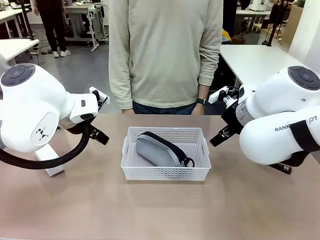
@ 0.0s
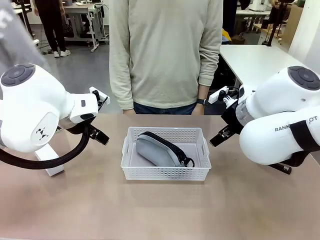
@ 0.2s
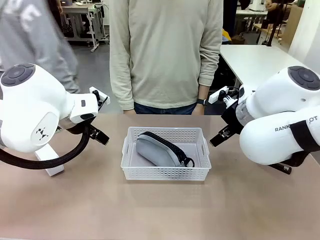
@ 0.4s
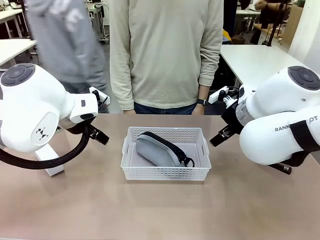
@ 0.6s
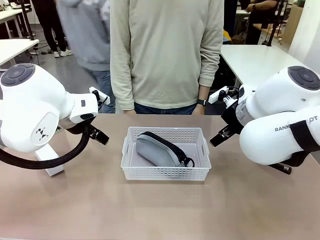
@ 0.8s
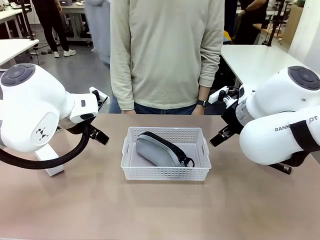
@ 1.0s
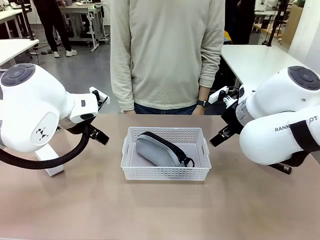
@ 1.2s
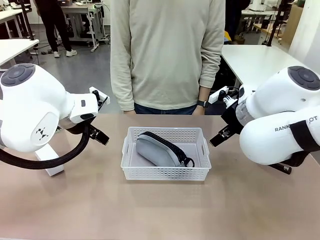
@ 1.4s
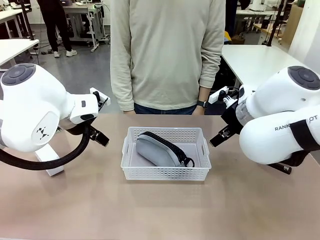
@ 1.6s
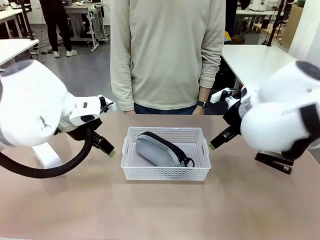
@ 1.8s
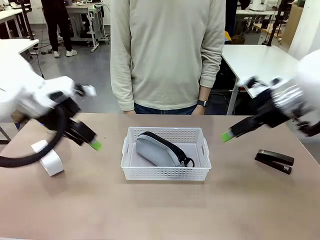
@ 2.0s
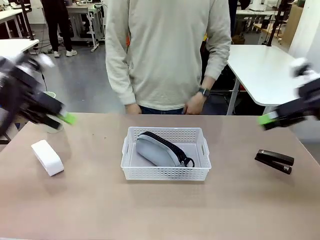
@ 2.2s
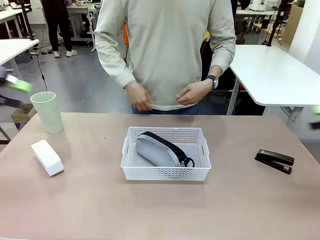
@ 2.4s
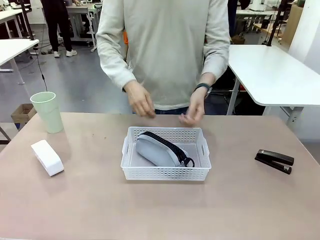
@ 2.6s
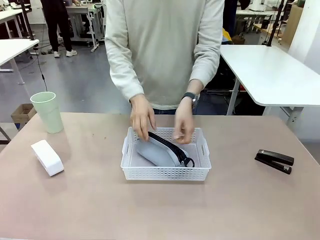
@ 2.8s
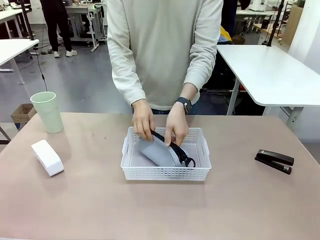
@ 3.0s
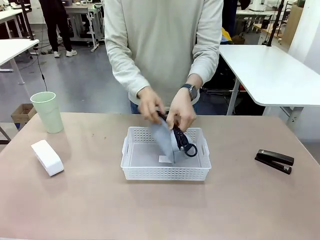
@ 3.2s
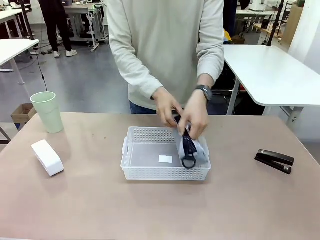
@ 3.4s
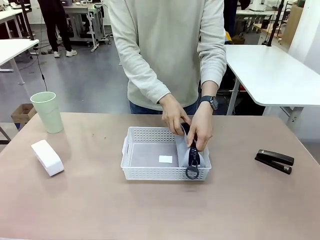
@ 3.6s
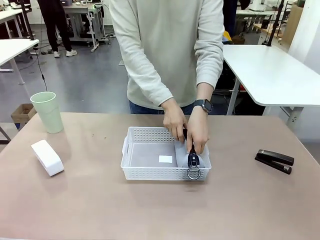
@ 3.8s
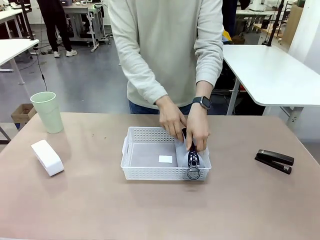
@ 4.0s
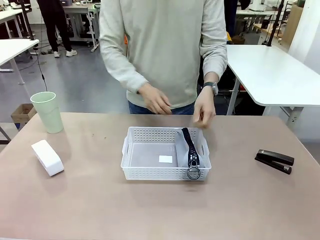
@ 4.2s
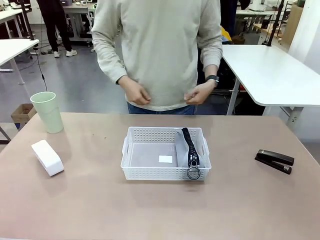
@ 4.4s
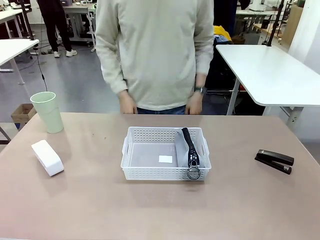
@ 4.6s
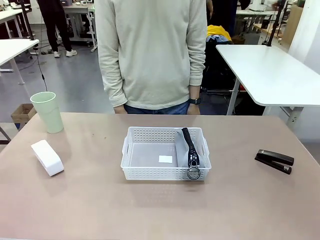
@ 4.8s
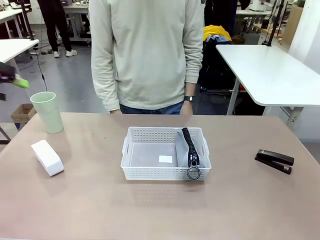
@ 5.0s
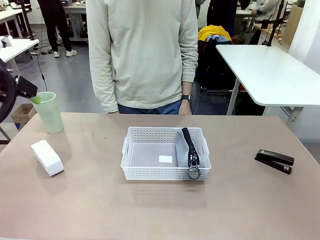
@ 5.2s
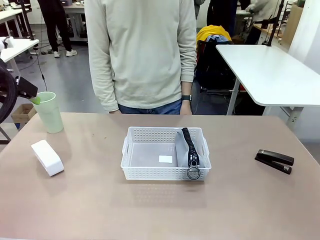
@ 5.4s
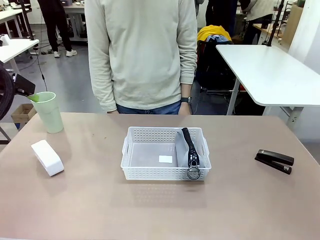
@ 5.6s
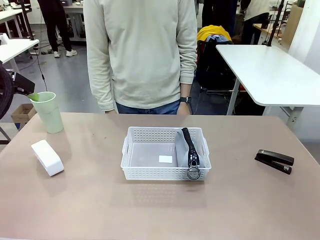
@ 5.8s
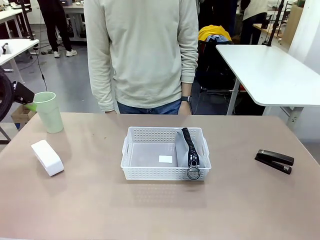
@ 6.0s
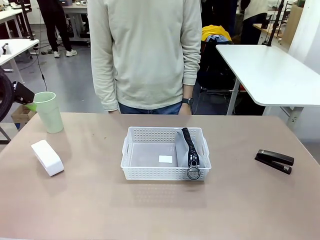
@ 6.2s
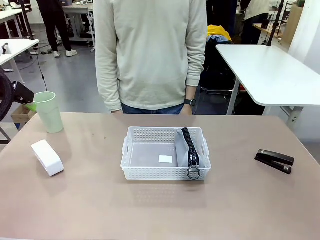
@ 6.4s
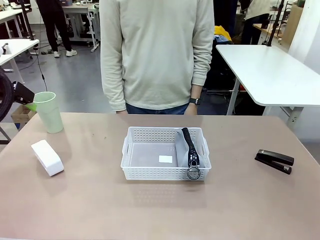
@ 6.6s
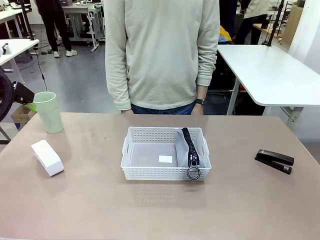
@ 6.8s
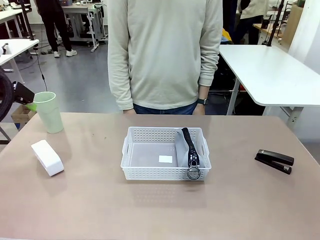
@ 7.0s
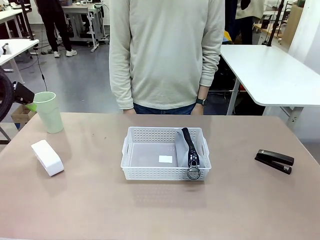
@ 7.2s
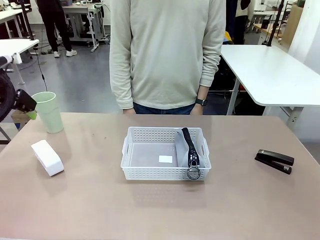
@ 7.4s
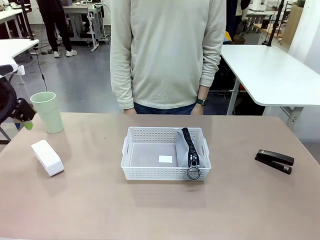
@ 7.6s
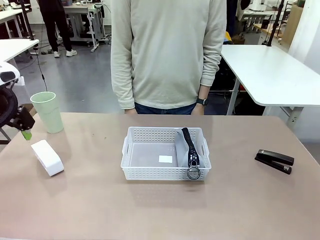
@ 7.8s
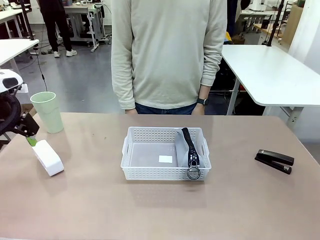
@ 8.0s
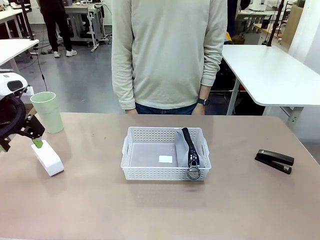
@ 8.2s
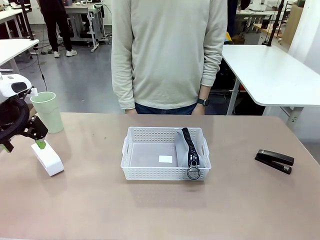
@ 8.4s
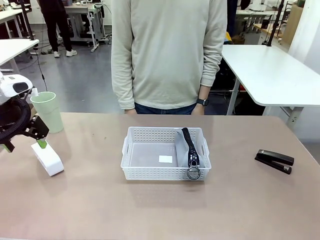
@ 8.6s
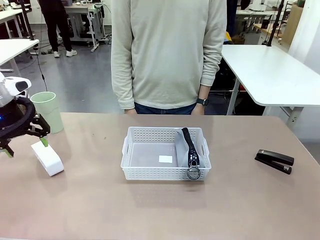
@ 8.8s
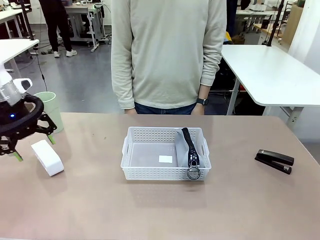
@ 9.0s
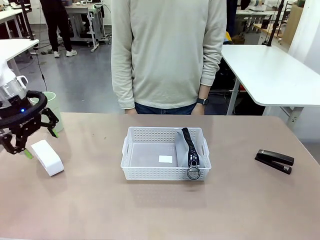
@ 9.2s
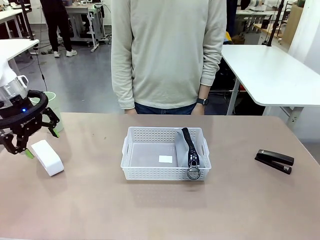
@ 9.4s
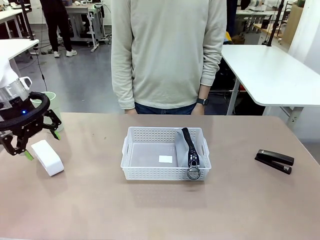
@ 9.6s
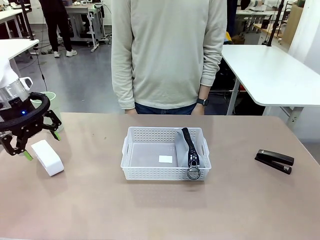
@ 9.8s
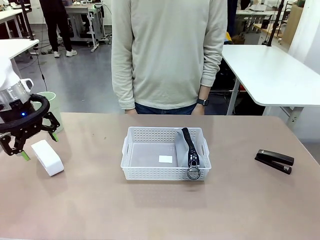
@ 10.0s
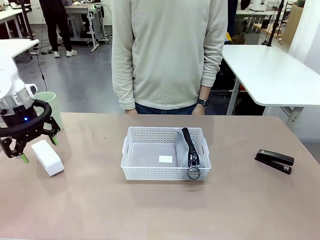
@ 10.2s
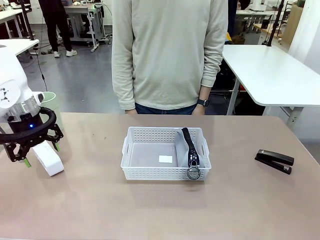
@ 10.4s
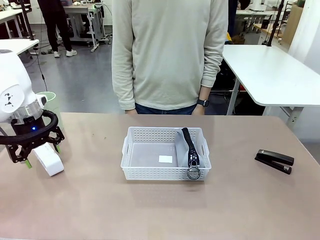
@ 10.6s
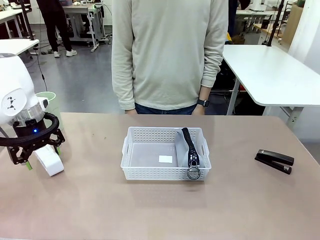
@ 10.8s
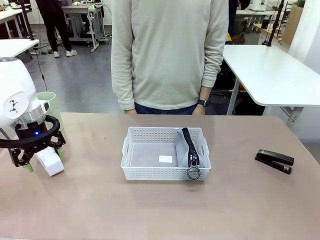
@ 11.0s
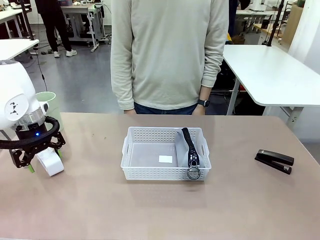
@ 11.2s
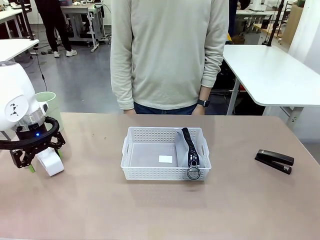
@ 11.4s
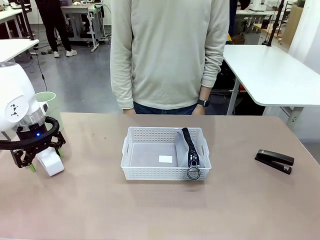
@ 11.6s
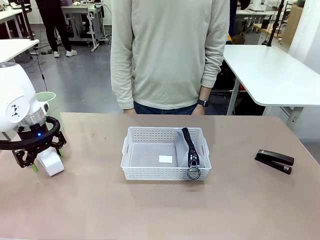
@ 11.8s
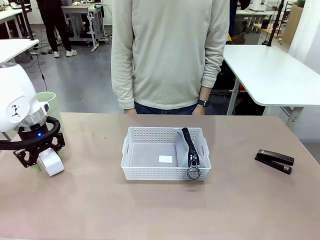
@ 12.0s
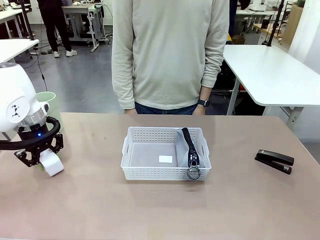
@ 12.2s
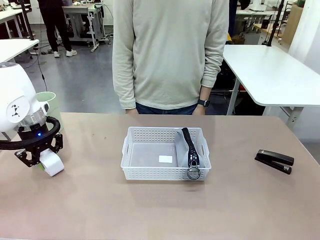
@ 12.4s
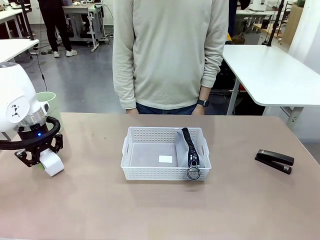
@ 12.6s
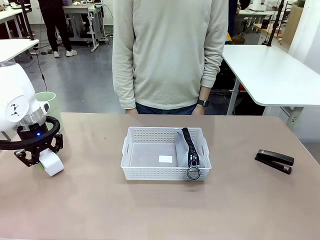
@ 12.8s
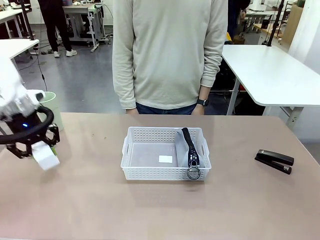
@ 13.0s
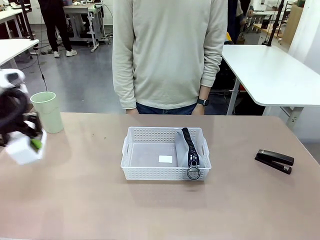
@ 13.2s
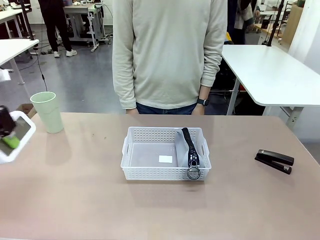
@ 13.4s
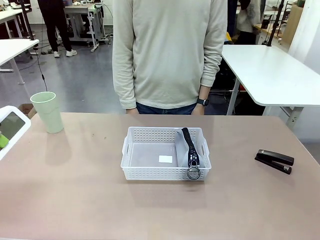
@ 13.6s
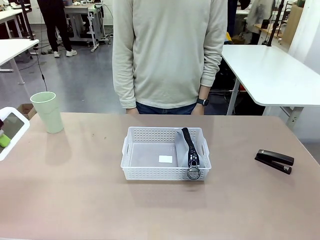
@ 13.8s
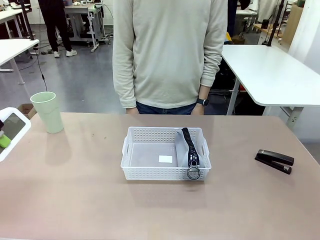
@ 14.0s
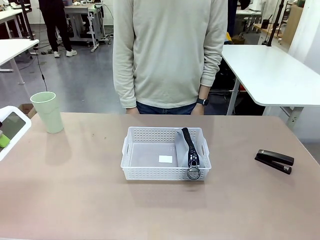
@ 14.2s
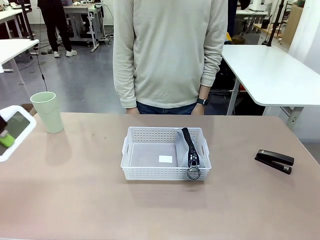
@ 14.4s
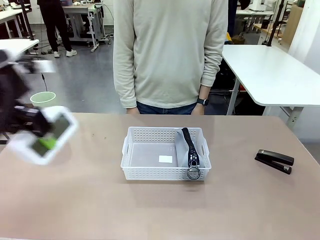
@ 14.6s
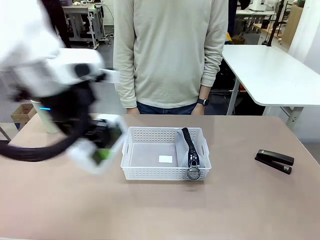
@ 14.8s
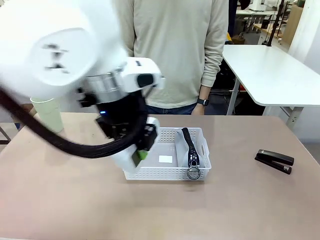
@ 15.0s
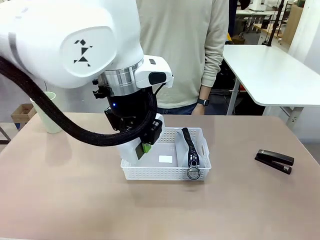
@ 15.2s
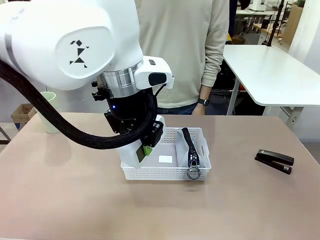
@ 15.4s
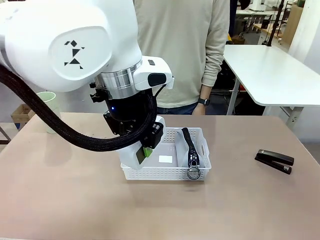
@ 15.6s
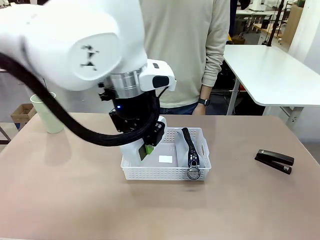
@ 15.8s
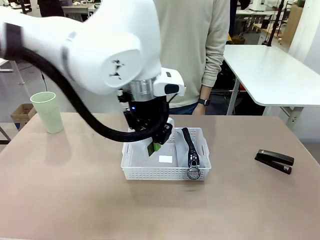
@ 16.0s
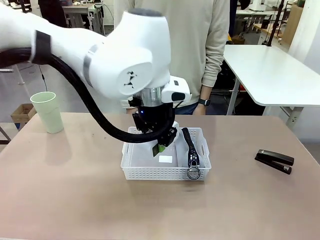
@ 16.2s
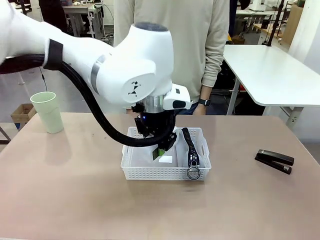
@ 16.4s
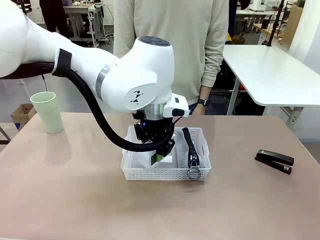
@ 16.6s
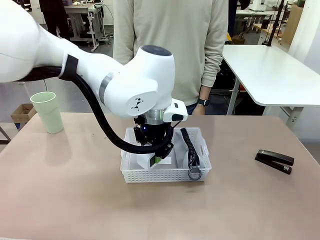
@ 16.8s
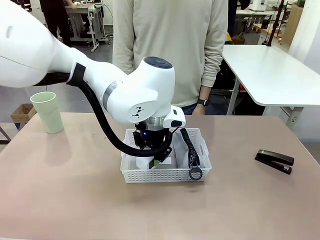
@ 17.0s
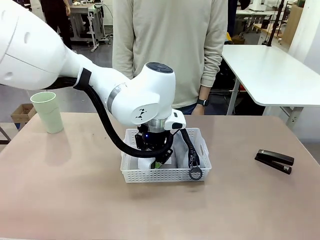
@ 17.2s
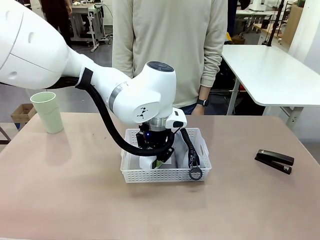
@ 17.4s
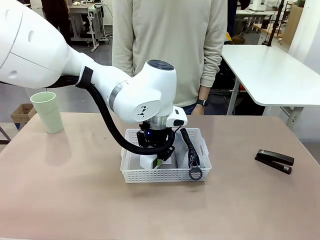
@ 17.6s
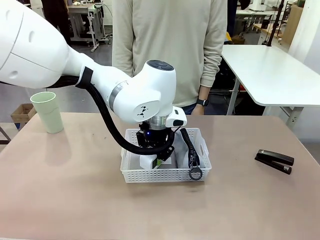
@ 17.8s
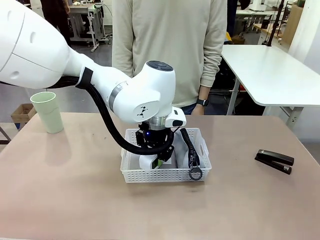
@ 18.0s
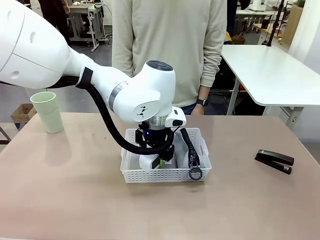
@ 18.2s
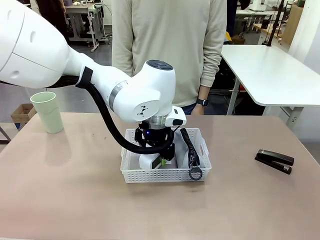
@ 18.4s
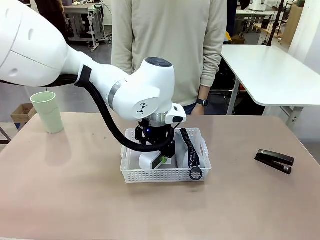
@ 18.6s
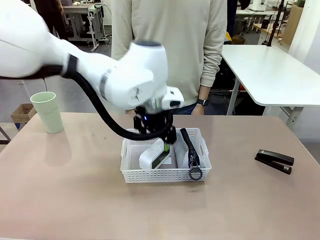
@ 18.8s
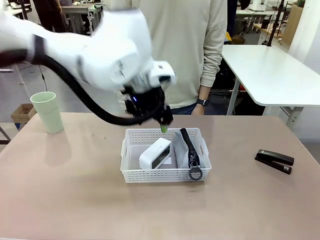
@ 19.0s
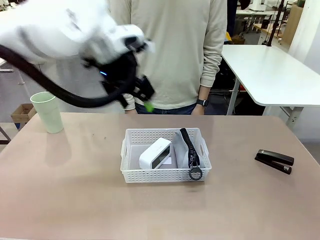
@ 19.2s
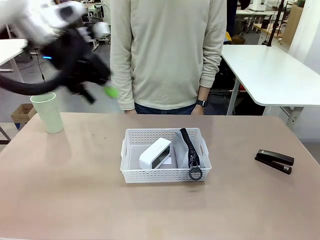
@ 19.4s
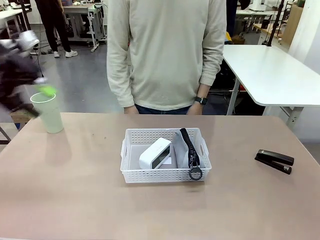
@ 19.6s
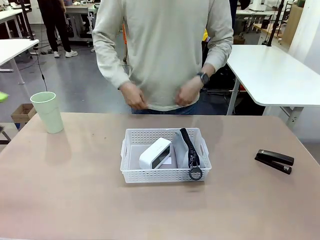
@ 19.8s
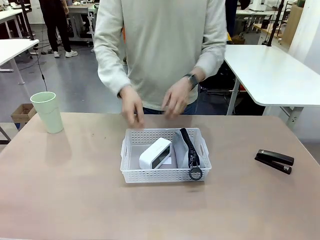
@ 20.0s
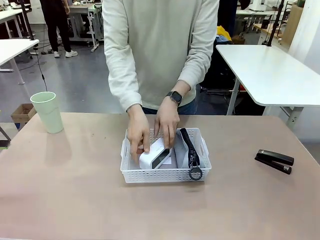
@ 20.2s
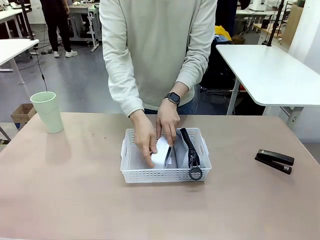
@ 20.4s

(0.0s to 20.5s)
Task: Efficiently arrange items inside the basket to fit them all.
Robot: Pick up the Digital clock and place it inside the Organizing basket.
Person: Repositions the pencil case. Repositions the digital clock.
